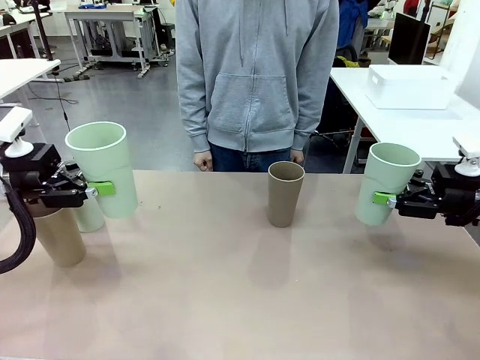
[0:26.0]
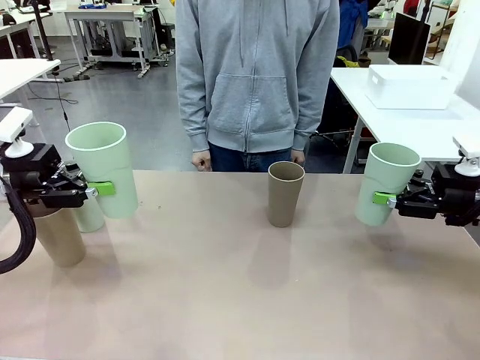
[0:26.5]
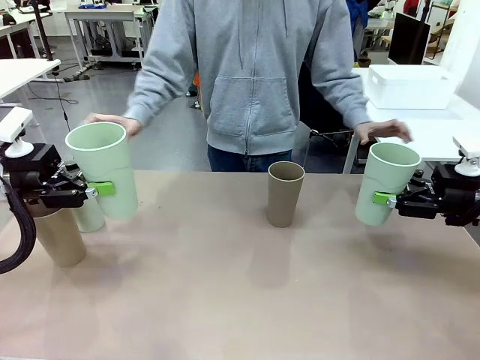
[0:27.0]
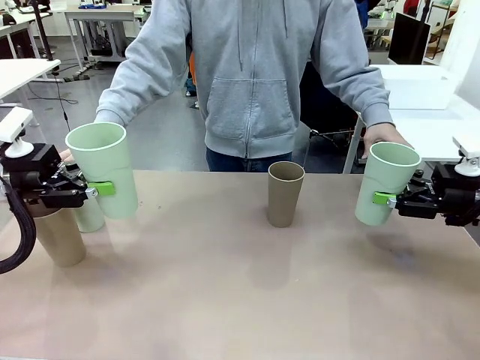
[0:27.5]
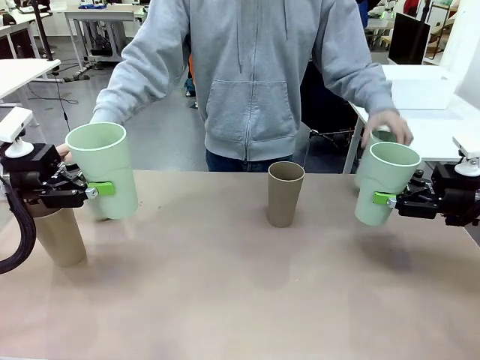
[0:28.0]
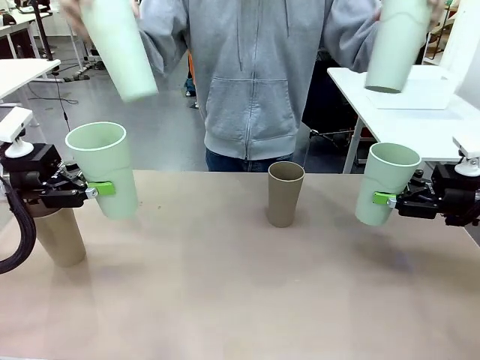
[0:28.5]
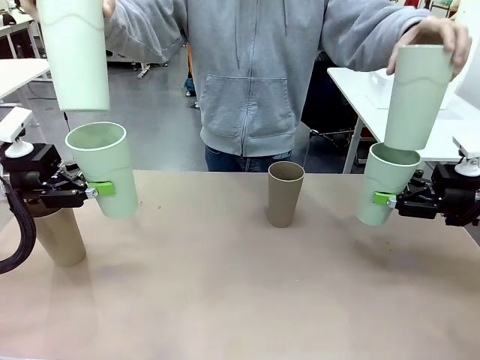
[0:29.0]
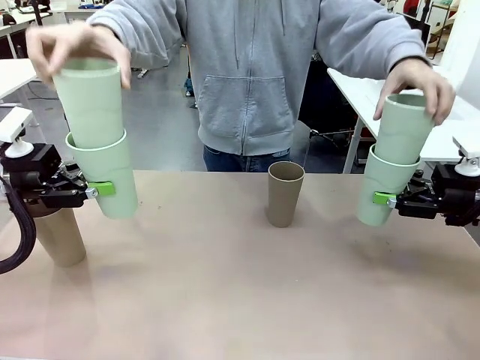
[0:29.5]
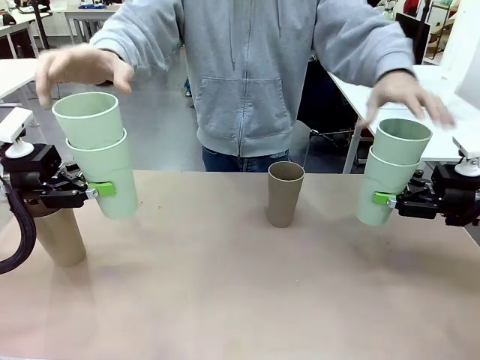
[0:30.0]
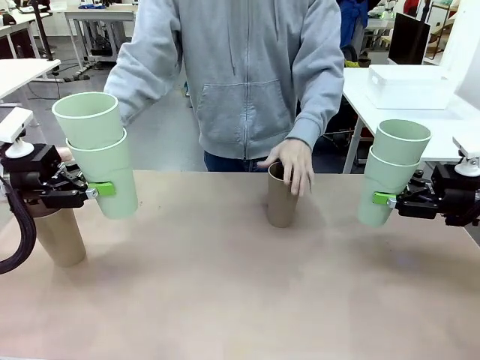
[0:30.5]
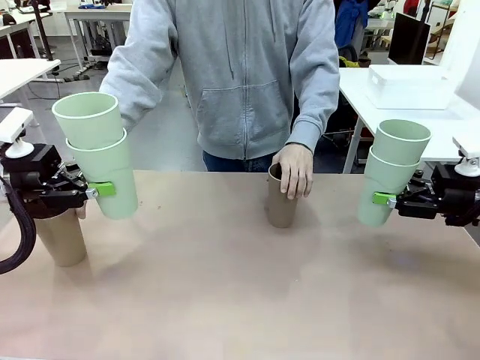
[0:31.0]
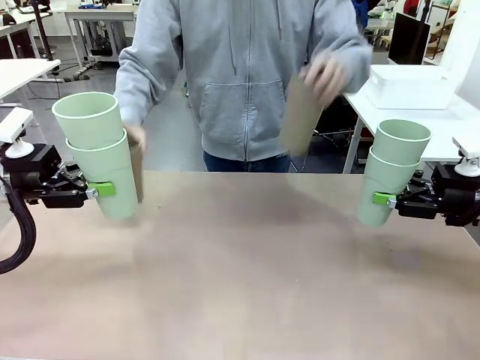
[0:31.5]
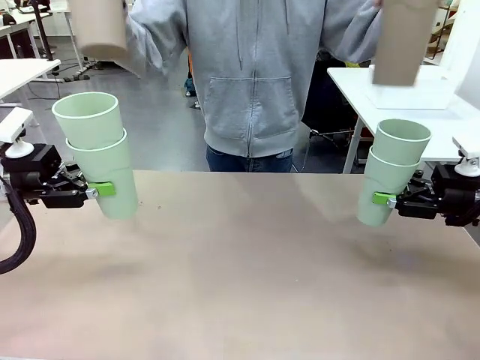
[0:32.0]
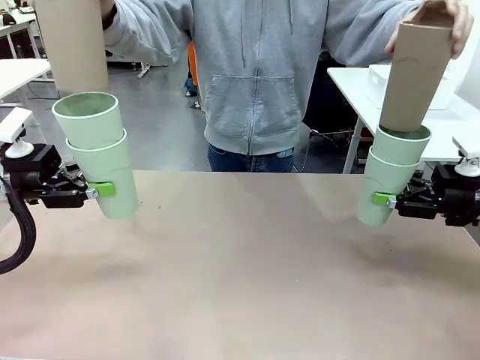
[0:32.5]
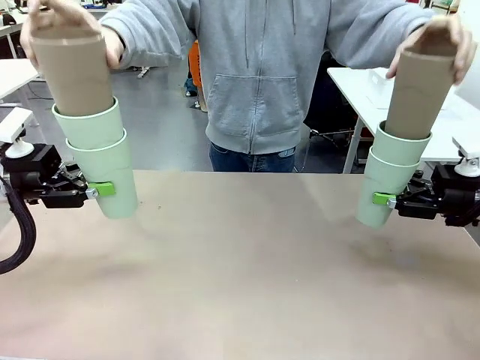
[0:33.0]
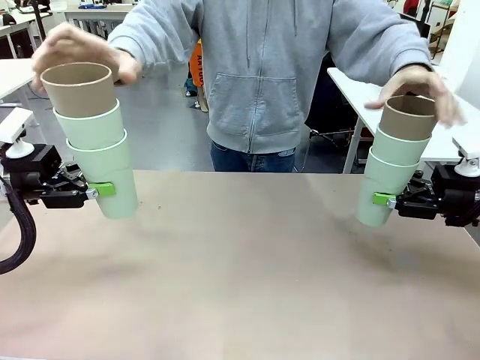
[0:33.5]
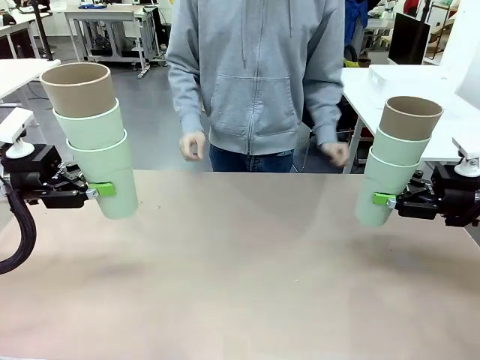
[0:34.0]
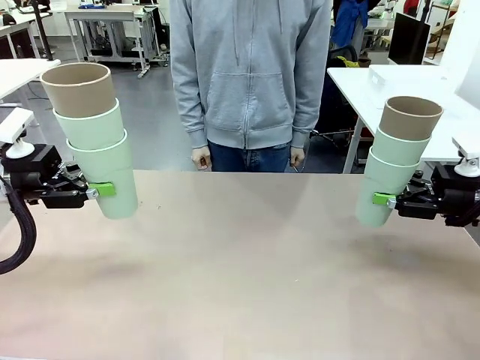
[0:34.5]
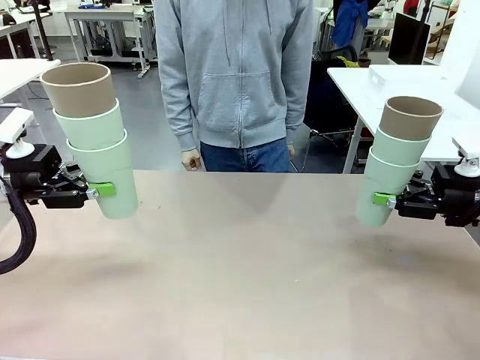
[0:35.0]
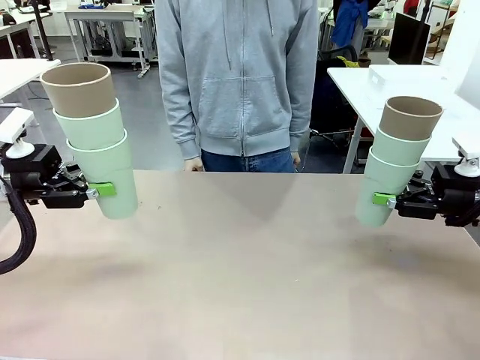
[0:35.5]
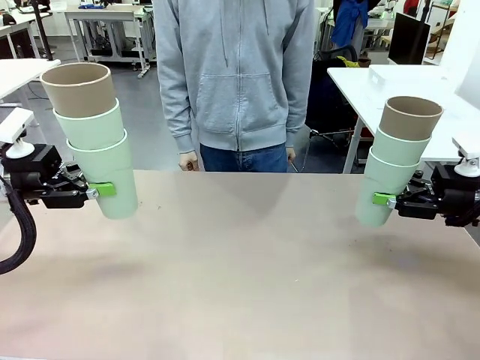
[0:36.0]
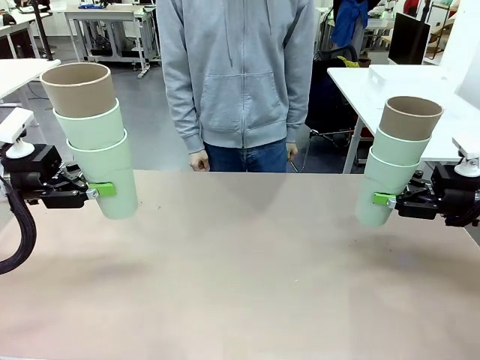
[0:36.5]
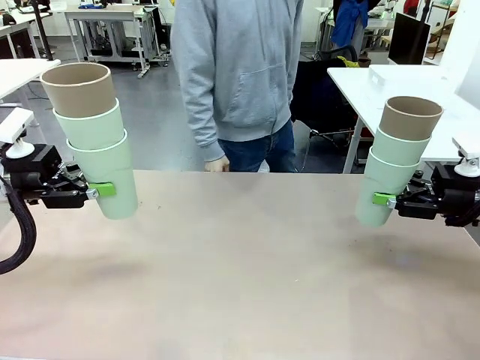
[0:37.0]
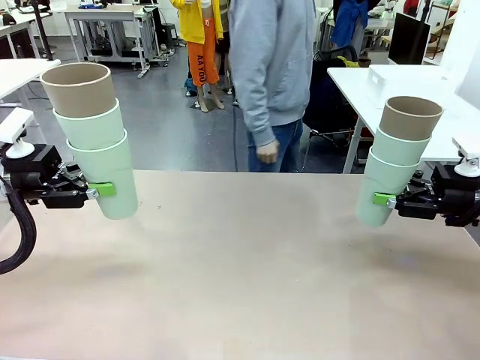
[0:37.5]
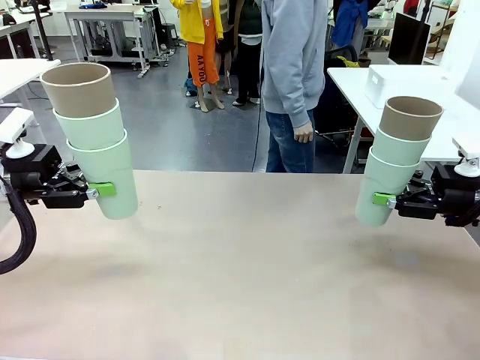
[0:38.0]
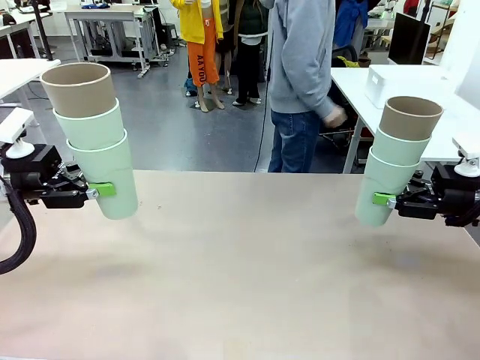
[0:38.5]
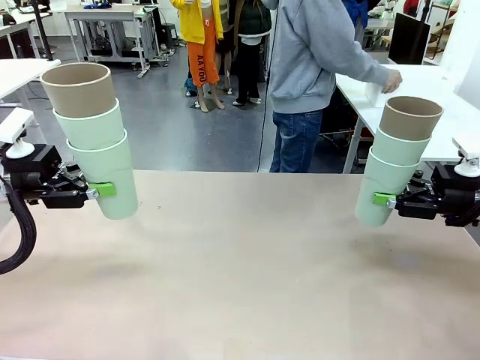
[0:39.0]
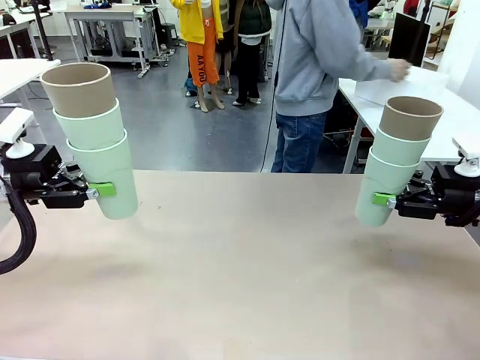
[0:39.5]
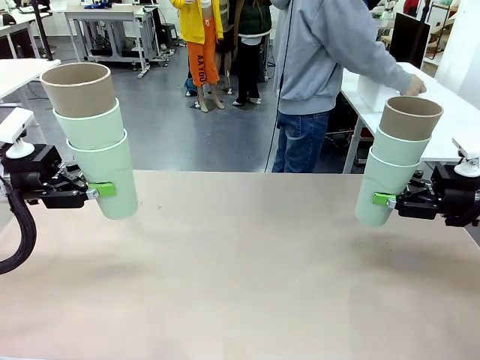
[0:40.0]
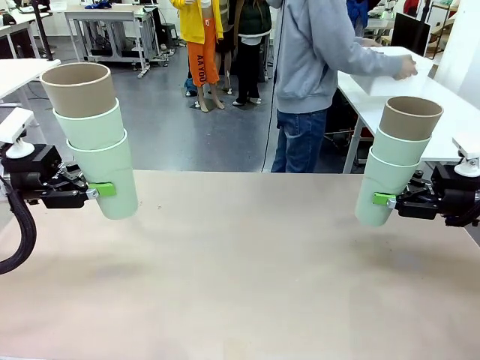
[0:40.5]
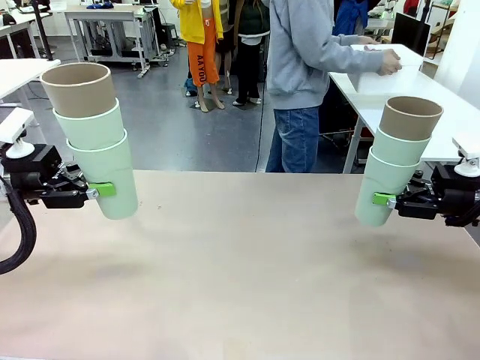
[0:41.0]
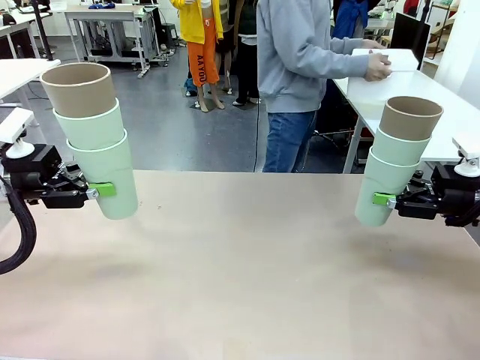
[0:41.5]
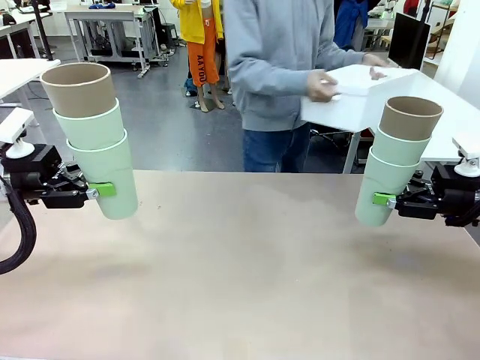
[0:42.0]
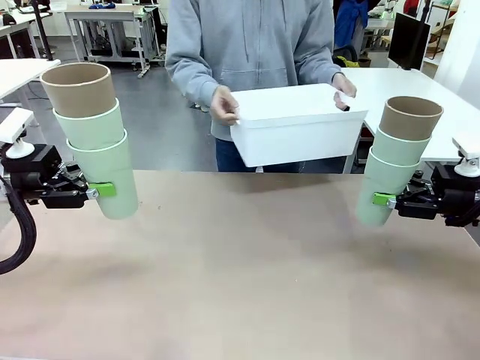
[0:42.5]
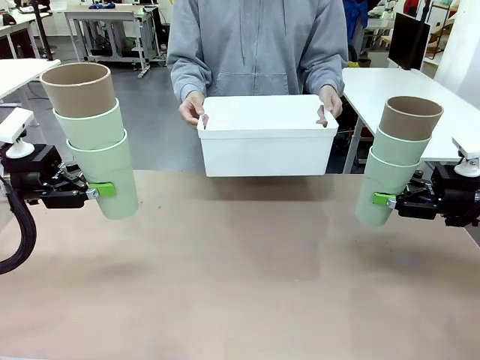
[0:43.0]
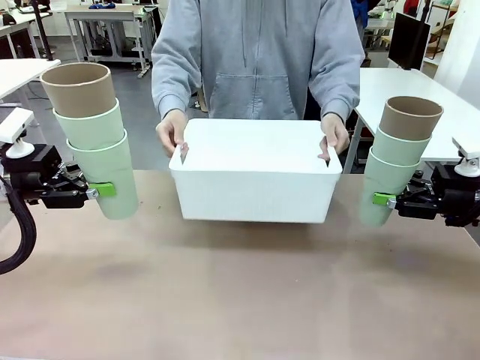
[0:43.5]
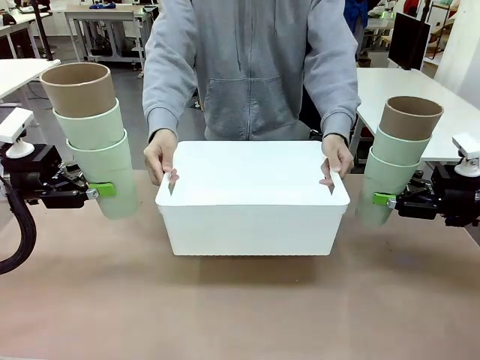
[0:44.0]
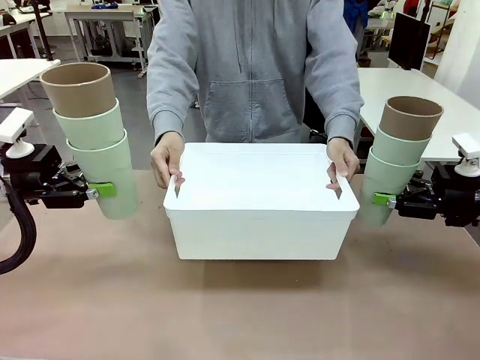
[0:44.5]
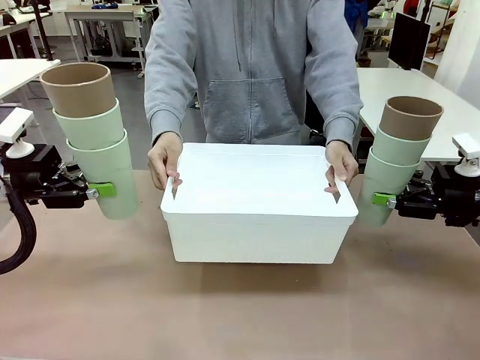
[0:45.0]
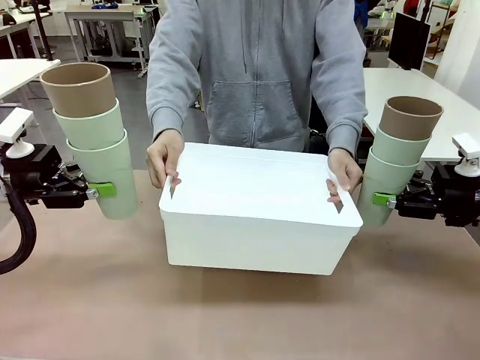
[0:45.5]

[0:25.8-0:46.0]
Task: Stack the cups and store them in the basket.
Robot: Place the stack of Reusable plastic cups into the Pantry Basket.
Person: Pick up the basket from the Human Table, bring it to the front of the robot, and present it.
